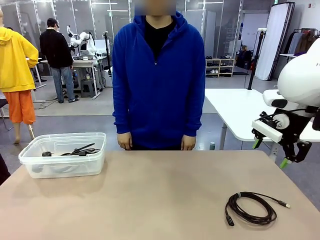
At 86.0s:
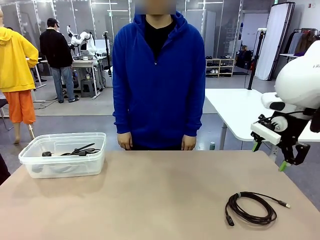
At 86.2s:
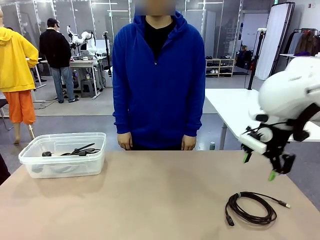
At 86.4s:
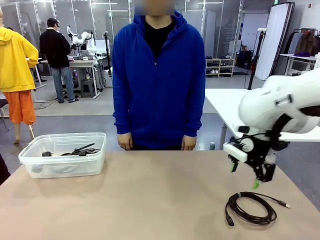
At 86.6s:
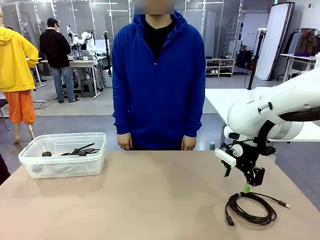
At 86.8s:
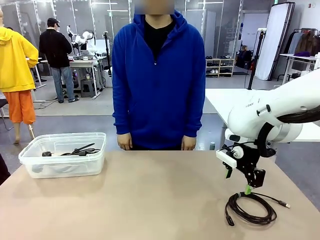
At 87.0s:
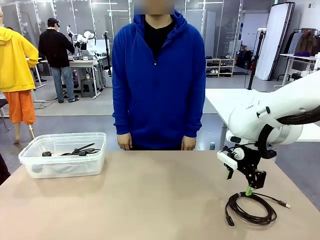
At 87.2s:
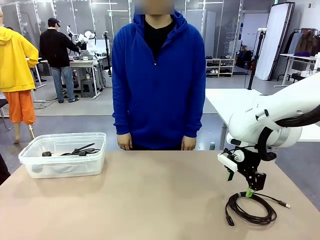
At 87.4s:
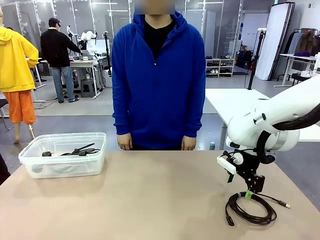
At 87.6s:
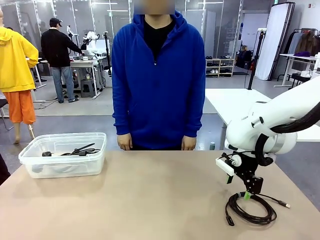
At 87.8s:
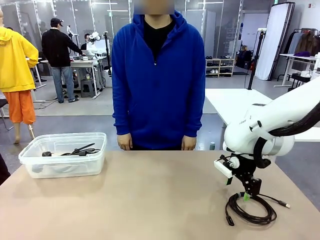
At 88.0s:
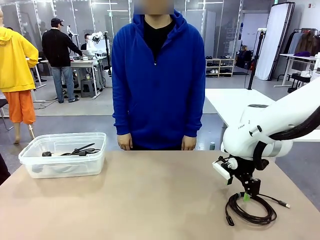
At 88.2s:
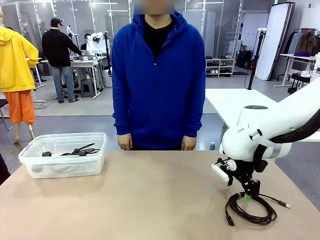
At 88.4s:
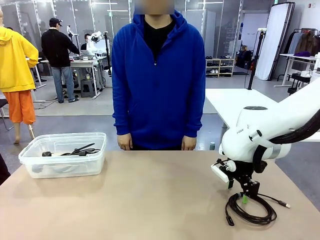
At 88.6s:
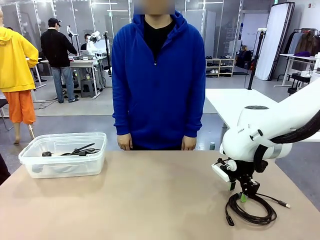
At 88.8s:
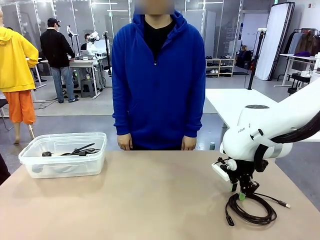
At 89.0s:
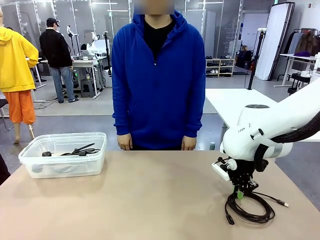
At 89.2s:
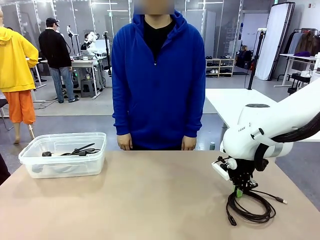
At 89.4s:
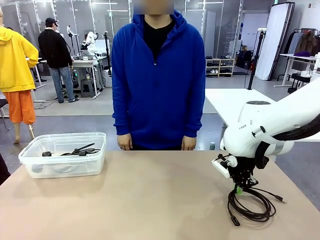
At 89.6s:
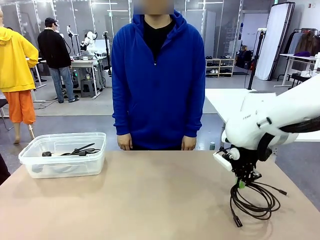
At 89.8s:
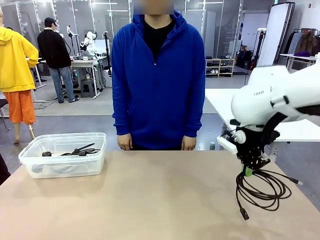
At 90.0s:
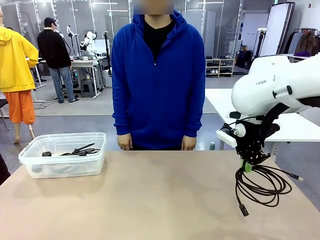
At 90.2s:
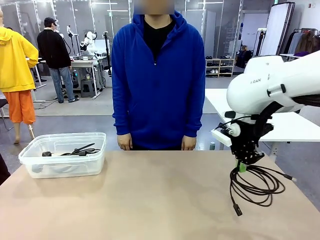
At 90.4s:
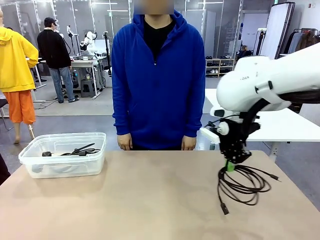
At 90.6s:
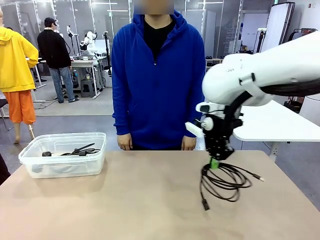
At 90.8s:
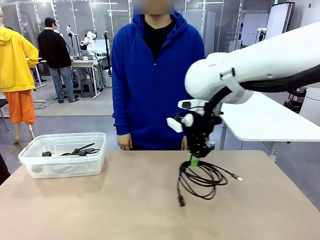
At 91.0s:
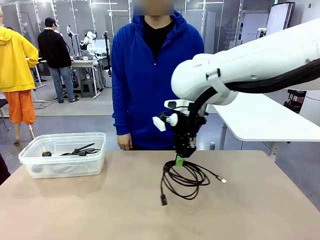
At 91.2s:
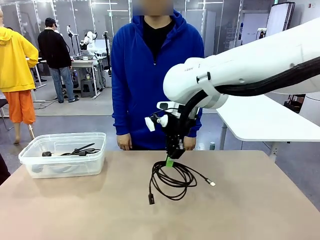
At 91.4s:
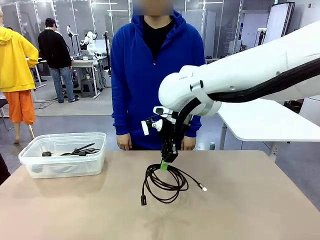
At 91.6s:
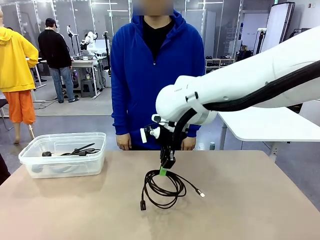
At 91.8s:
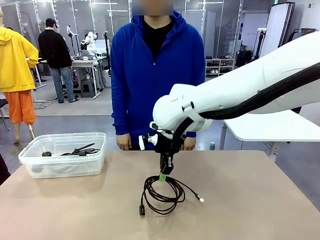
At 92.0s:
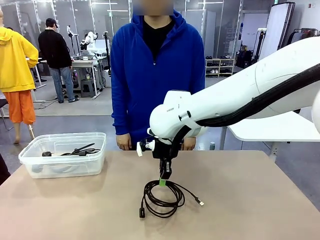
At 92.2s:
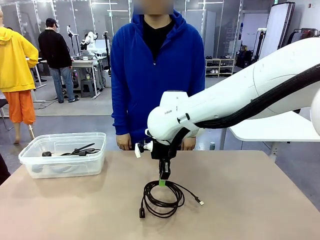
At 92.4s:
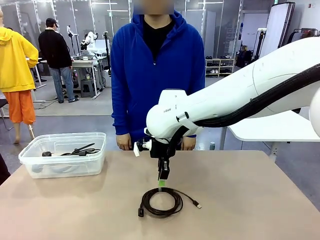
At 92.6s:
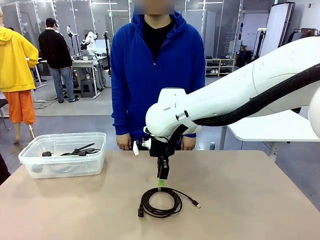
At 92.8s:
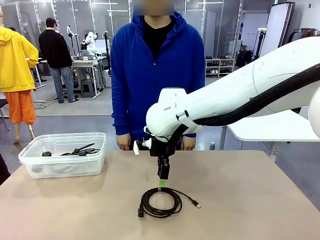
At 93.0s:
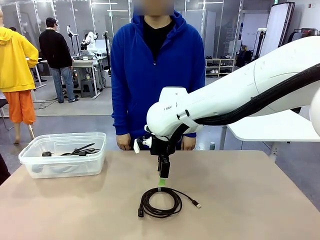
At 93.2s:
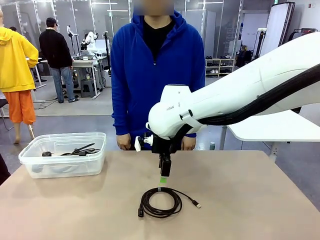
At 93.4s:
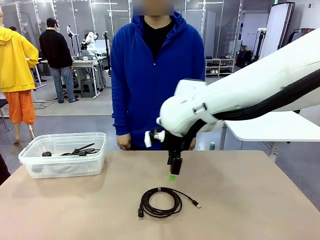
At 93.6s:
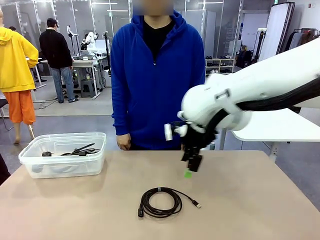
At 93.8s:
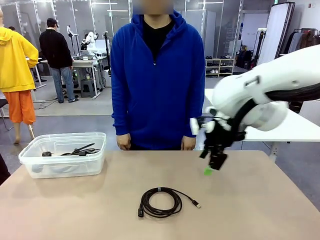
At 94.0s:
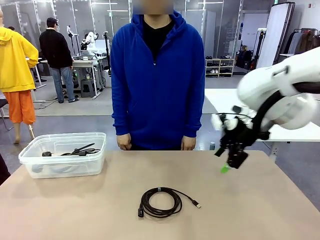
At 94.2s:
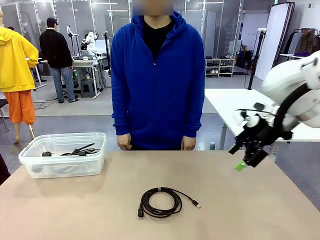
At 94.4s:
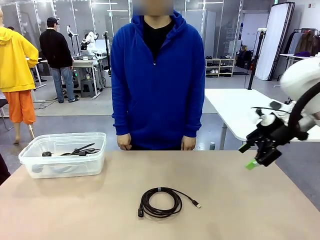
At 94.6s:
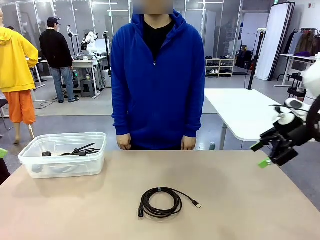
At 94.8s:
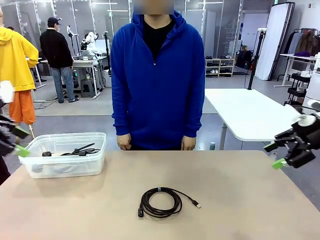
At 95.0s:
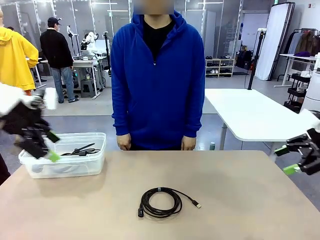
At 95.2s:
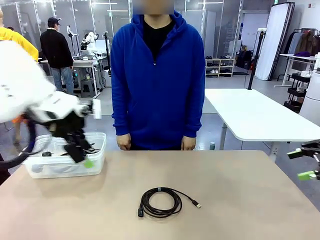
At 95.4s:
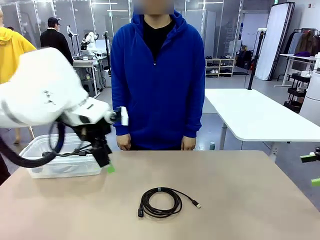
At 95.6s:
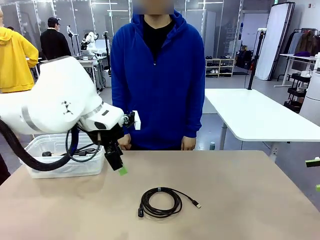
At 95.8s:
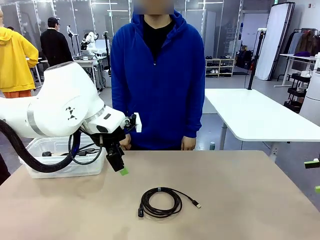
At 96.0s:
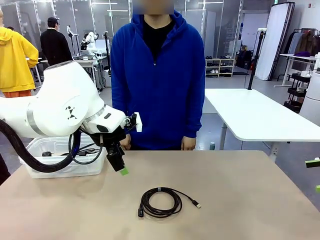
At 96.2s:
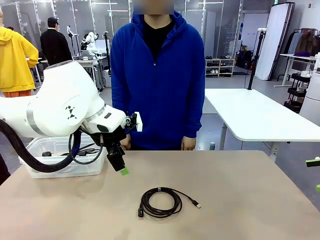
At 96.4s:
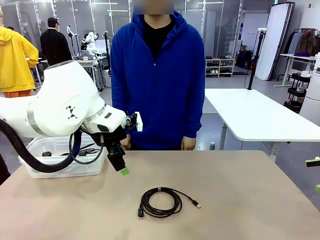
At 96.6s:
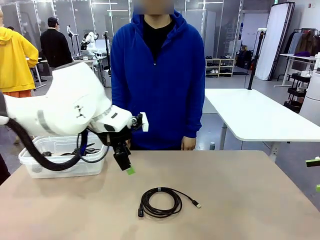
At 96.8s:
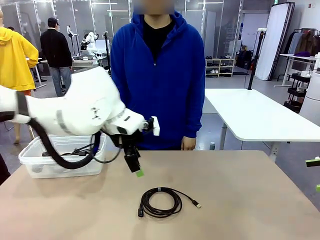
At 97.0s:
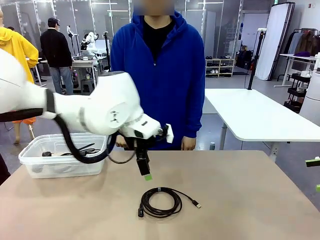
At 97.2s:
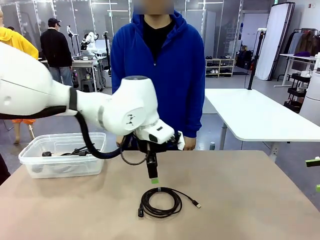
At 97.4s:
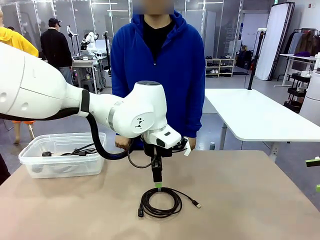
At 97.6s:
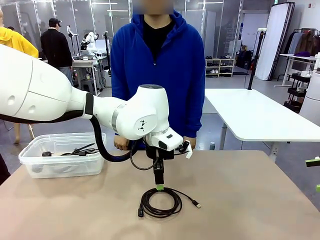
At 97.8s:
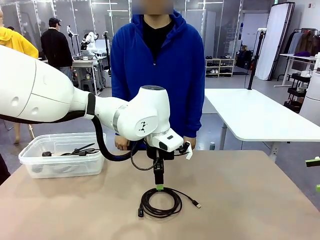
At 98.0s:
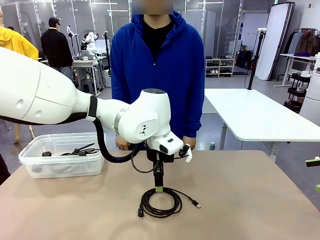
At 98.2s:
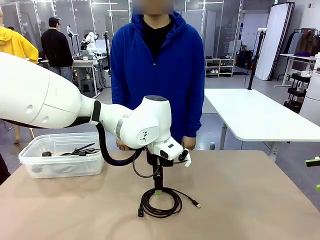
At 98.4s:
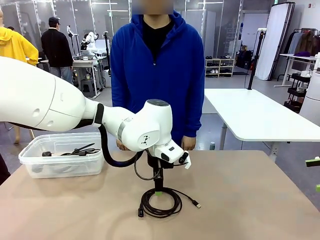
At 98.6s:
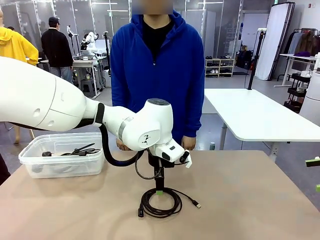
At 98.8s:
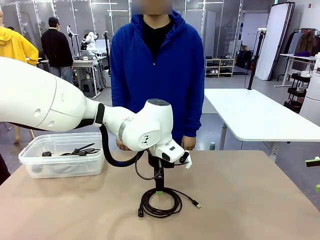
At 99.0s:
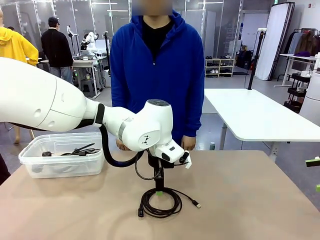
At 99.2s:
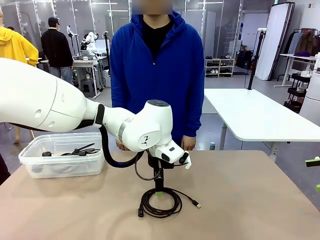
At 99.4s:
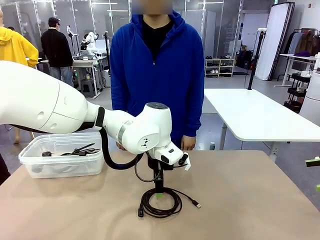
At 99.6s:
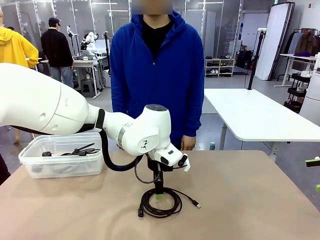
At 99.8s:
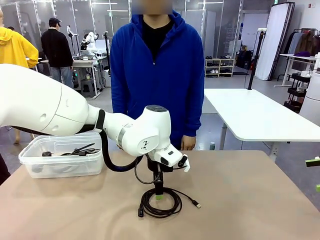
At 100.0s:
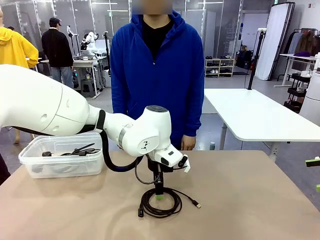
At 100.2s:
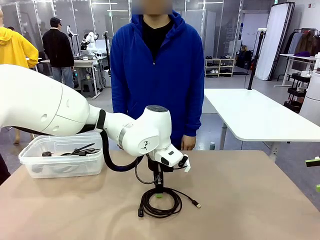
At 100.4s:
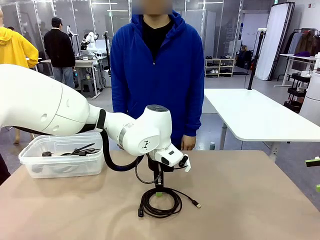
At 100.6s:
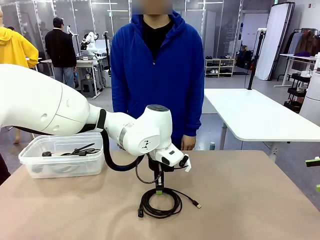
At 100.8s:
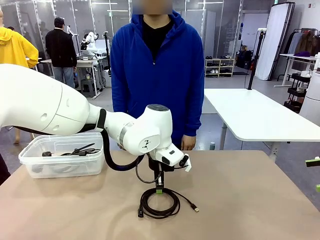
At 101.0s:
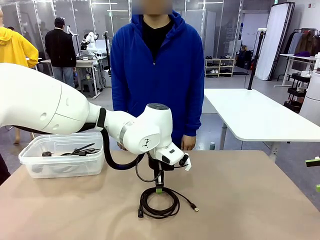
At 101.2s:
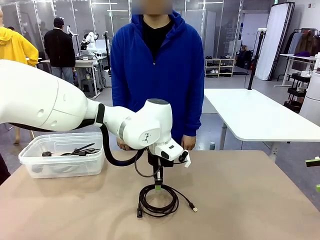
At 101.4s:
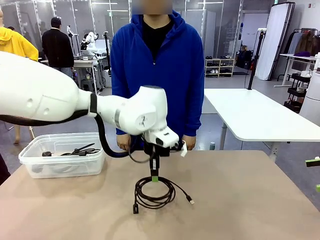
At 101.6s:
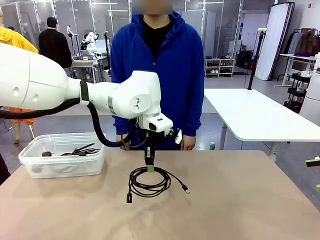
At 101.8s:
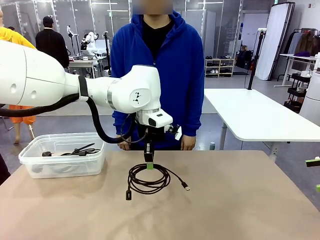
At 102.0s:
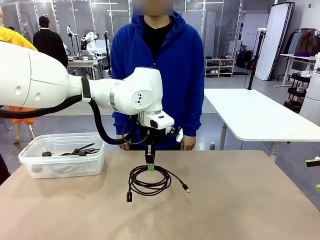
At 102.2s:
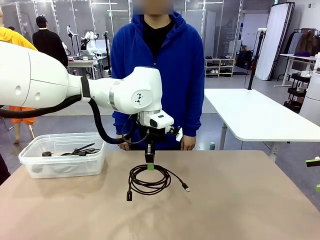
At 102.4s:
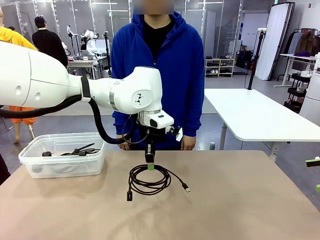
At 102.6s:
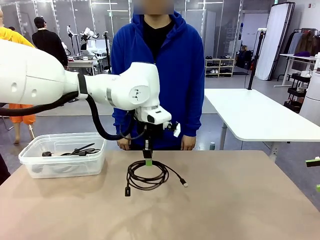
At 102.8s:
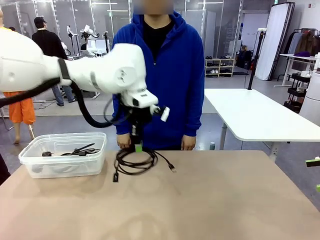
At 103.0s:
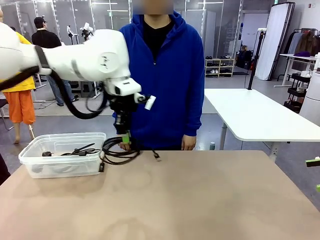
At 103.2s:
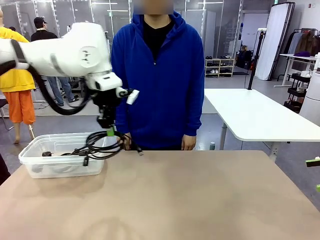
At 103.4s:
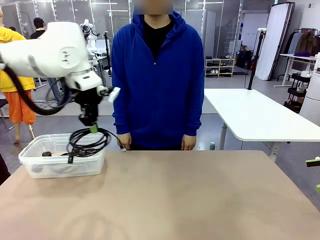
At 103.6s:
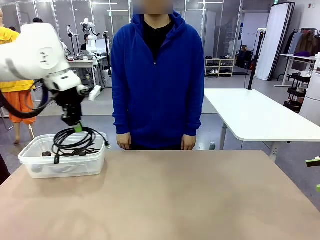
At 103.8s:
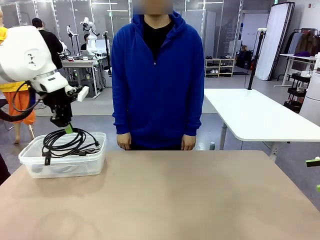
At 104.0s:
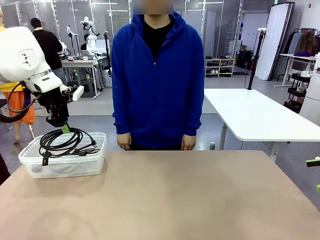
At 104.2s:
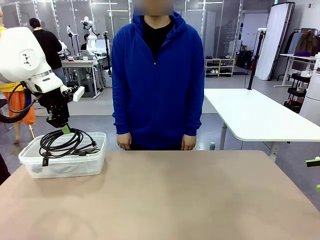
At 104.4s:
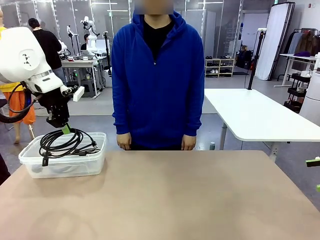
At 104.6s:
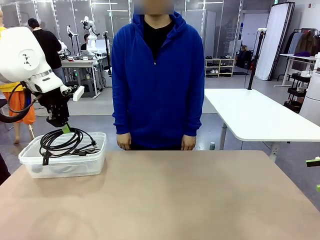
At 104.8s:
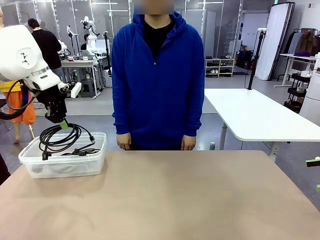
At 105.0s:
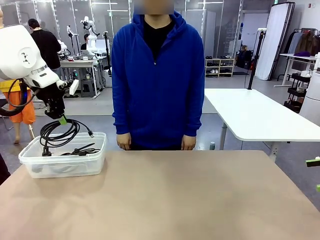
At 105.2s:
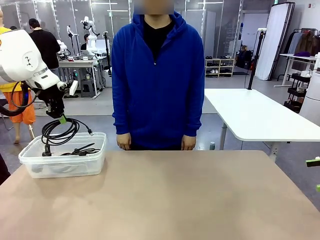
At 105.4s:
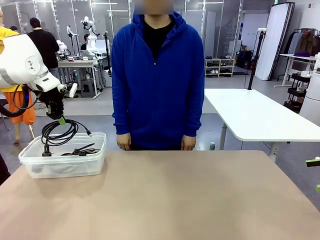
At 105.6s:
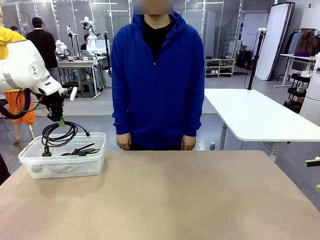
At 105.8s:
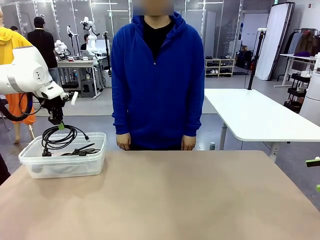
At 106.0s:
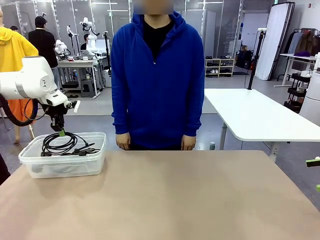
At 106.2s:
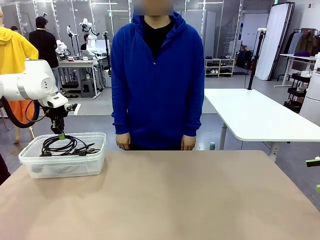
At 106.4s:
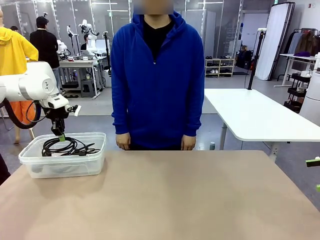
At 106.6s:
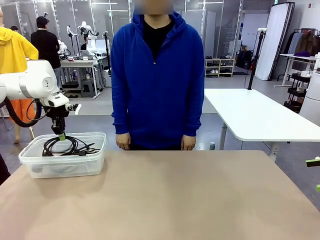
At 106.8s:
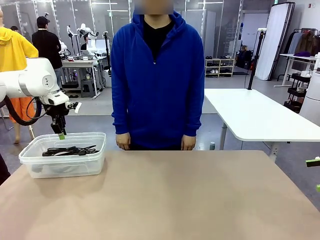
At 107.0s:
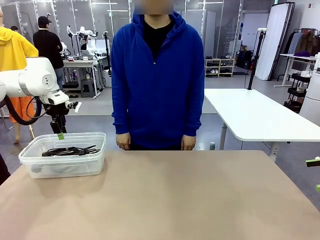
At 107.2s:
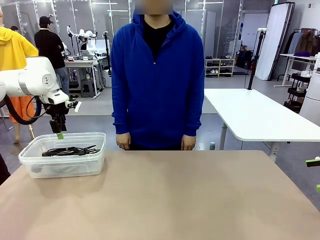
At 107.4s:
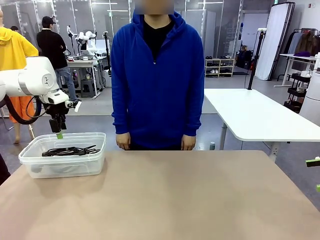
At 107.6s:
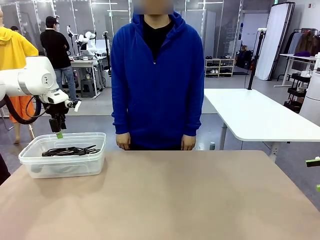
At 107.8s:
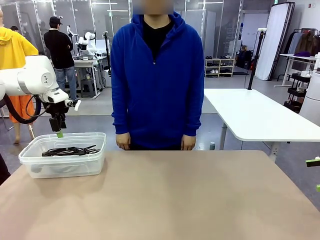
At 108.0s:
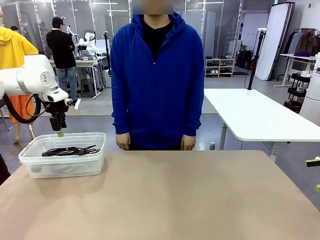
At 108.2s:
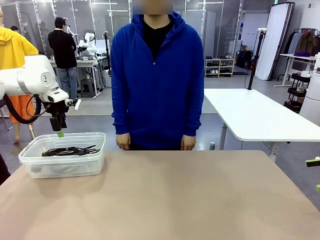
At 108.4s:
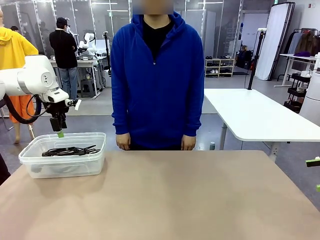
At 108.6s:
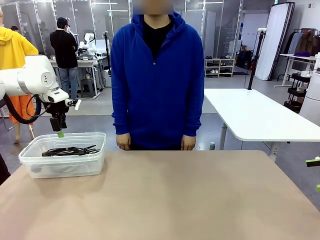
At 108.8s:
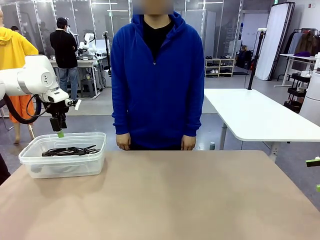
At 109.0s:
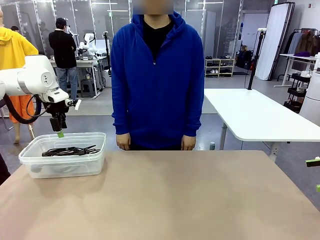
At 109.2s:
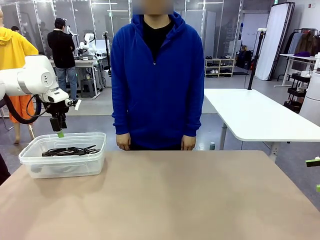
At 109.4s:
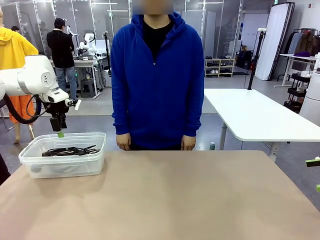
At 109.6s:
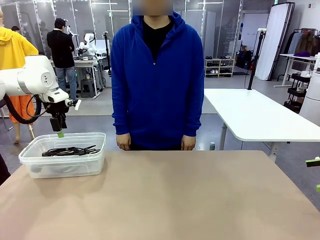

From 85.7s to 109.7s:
Task: Organize and store the cables.
Robot: Place the USB Extension Cable into the Organizing box.
